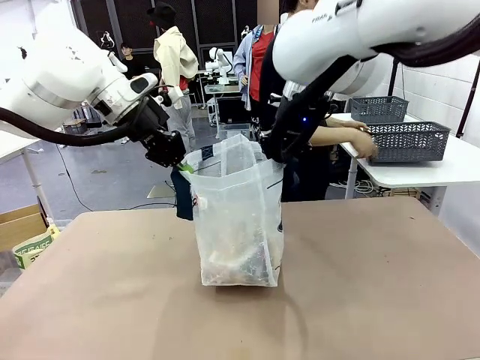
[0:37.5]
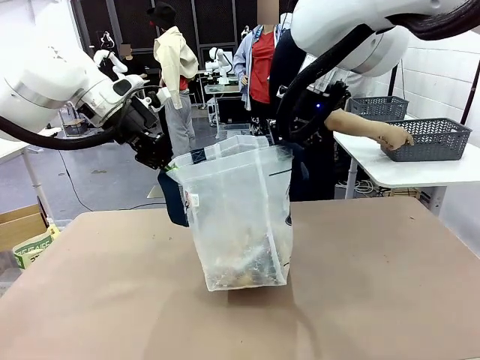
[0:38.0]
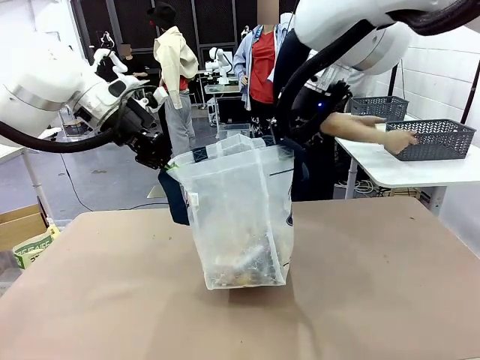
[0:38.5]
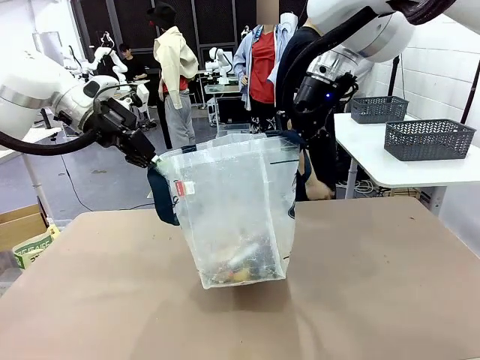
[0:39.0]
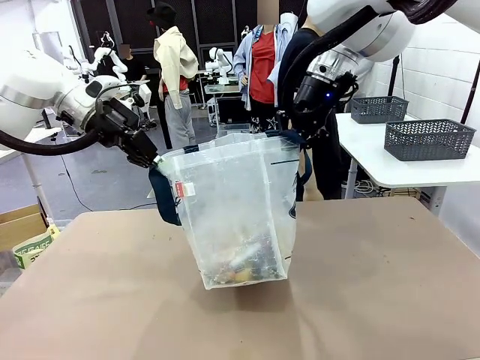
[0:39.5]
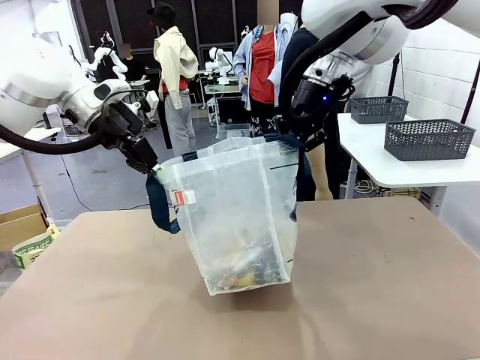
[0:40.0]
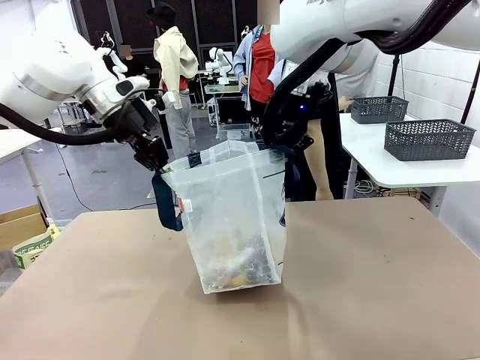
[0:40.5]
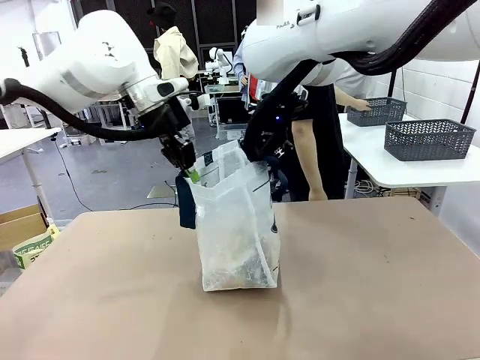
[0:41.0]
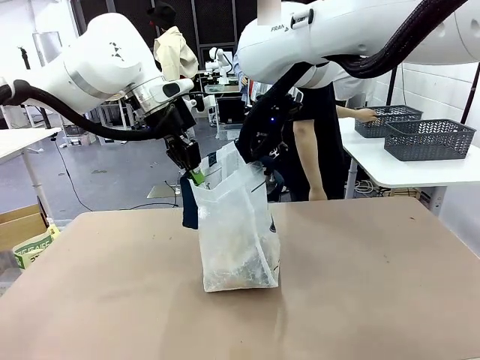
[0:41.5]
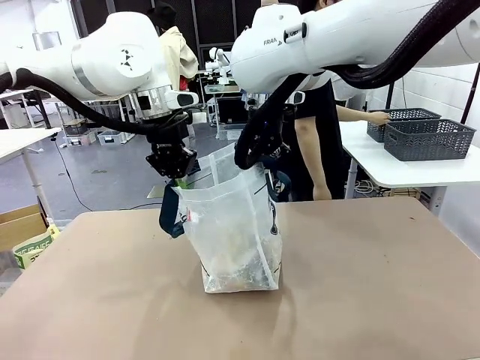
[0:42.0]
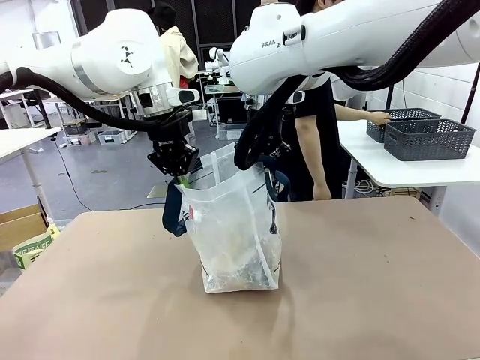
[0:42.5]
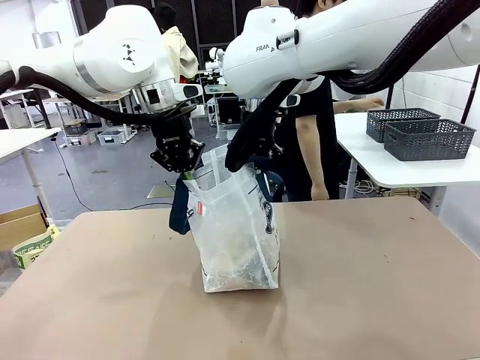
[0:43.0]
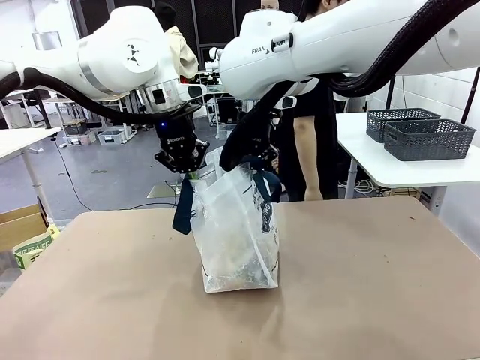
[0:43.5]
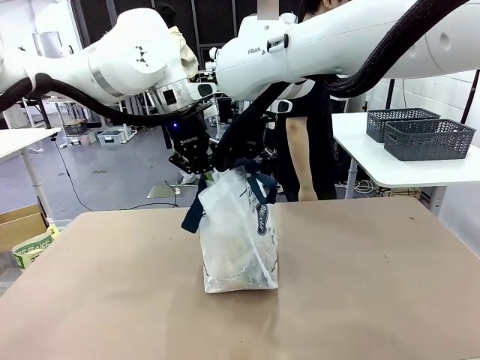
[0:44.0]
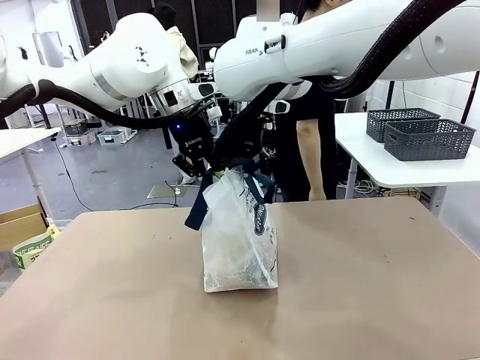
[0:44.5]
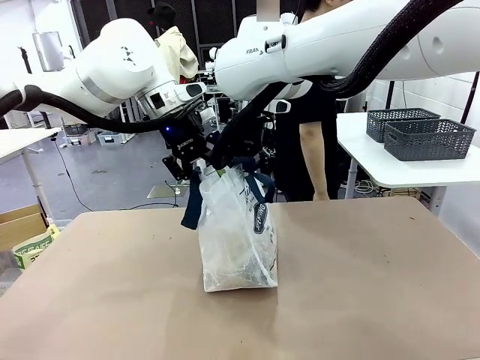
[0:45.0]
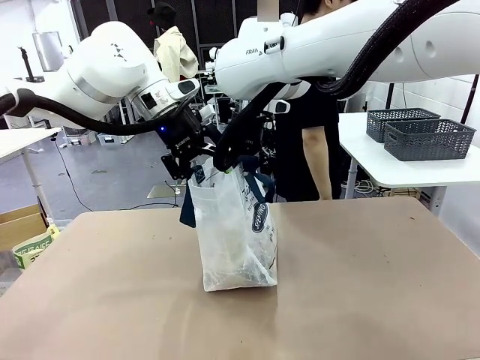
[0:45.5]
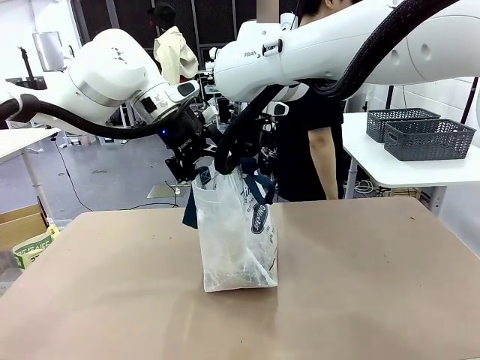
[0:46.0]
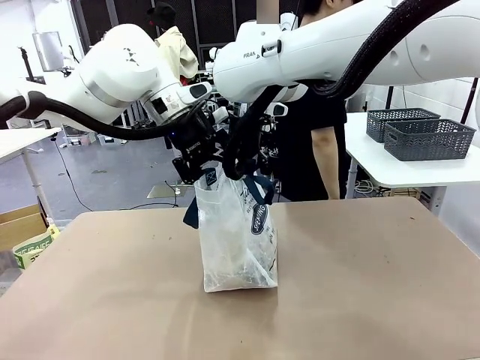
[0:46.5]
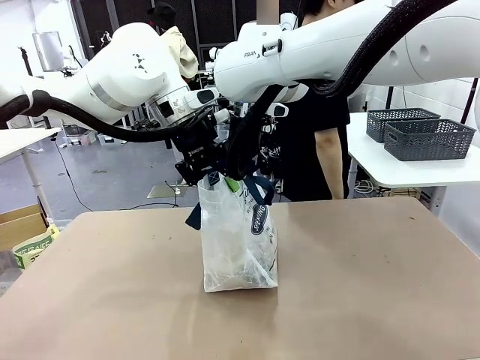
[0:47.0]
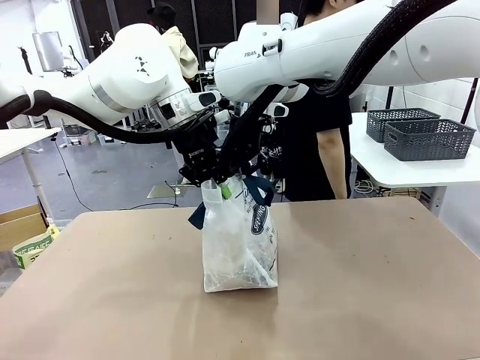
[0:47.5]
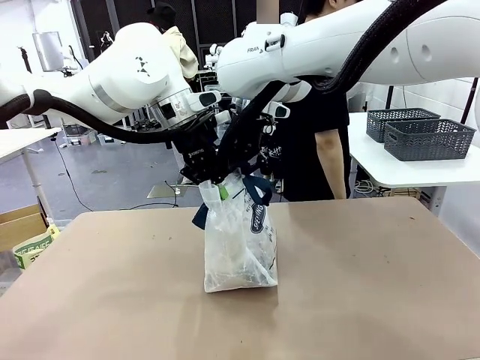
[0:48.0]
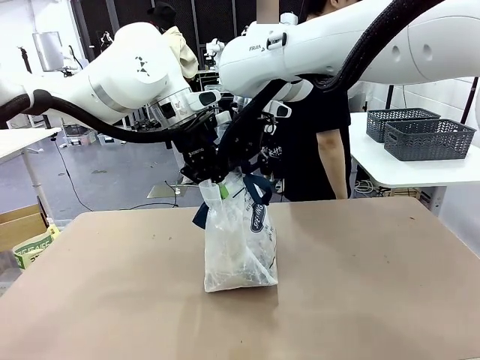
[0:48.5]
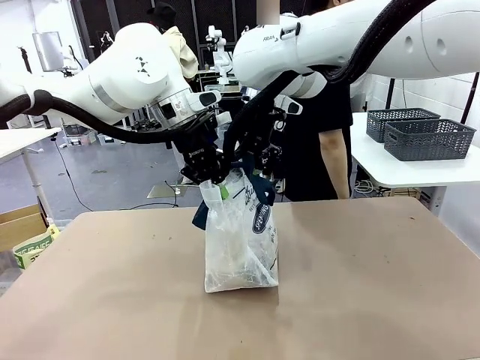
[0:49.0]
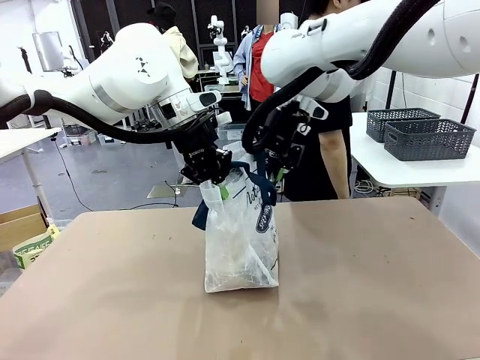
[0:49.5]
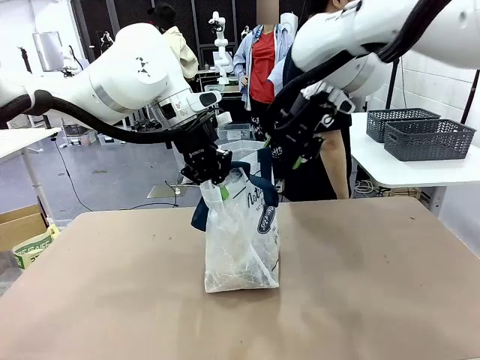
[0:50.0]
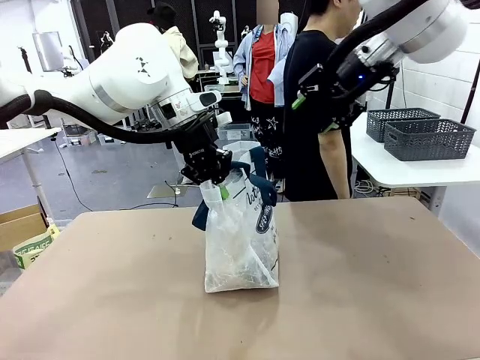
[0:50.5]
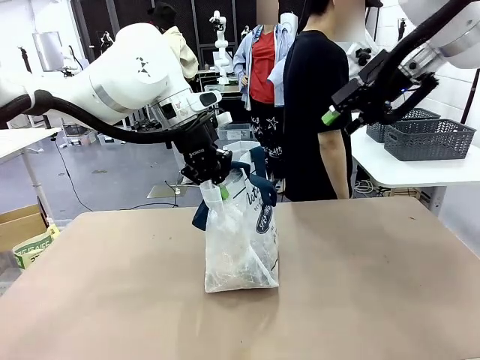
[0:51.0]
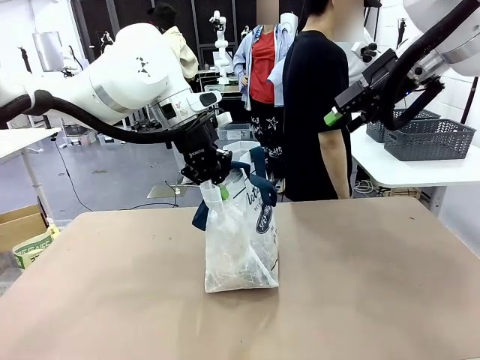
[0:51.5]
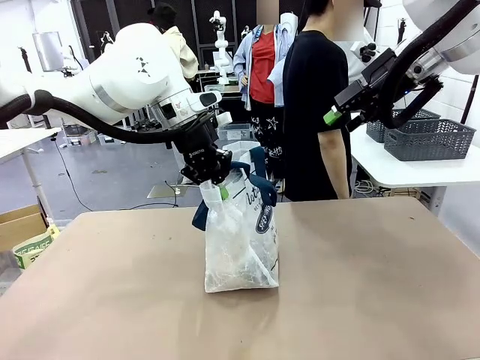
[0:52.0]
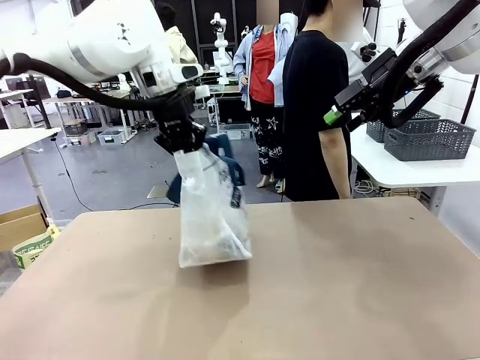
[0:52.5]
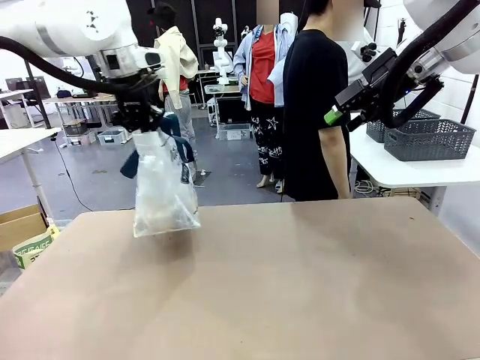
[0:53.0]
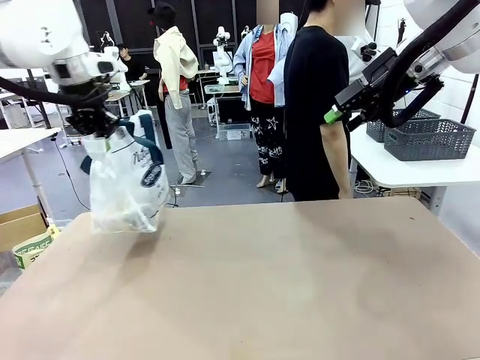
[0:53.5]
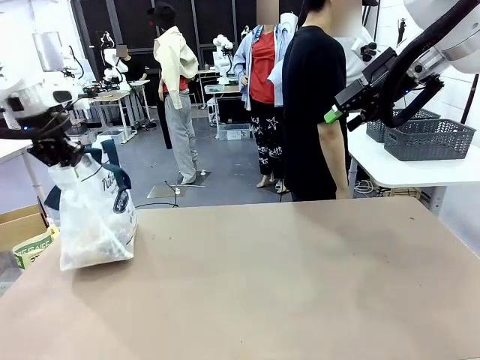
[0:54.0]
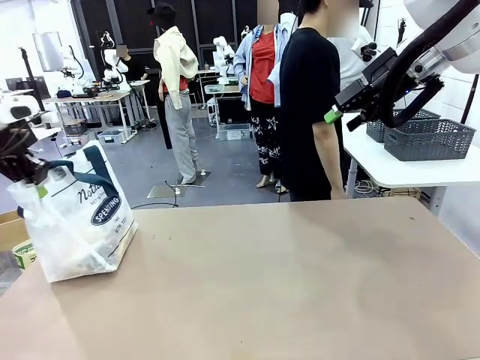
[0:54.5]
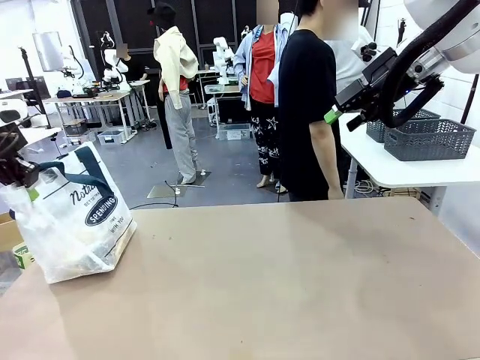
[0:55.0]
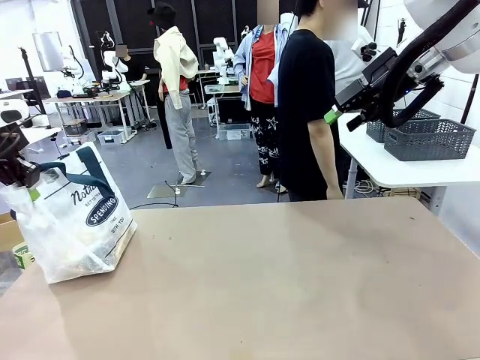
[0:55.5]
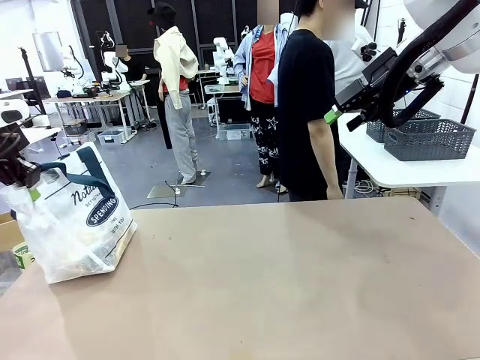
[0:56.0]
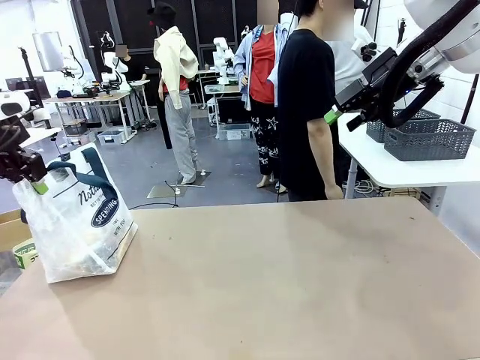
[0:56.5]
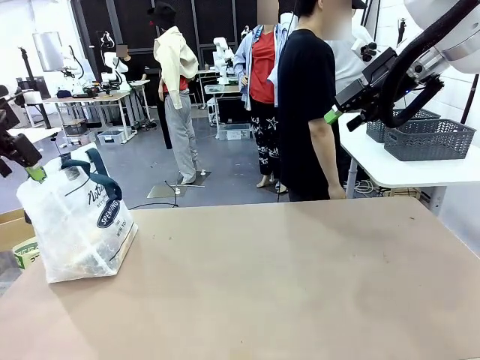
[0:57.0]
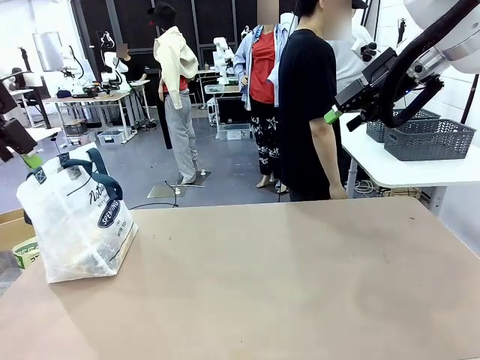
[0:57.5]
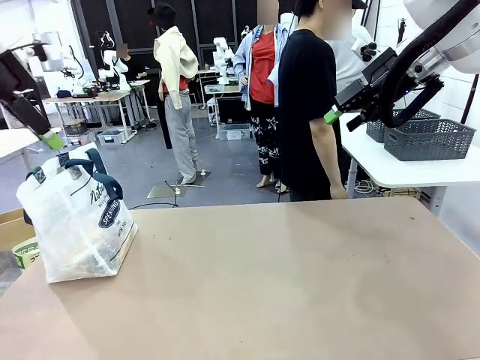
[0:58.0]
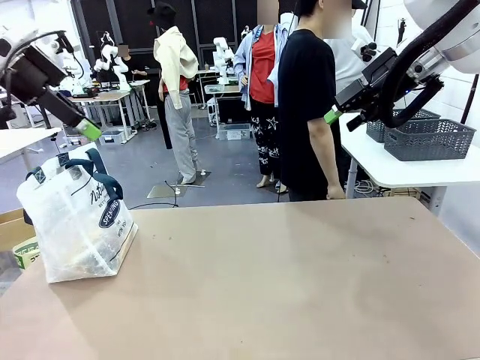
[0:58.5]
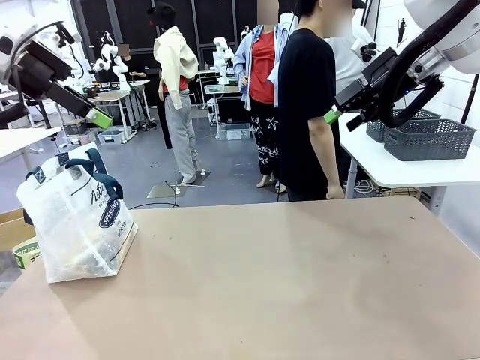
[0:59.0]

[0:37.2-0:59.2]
Task: Transfer purchased items from the store into the shopping bag.
Robot: Move the Reusable shopping bag to the right side of the table.
Person: Move the basket on the left to the middle of the person's table.
